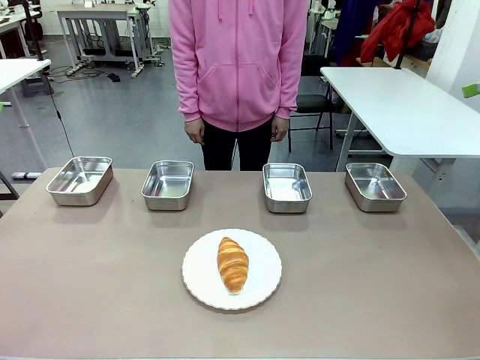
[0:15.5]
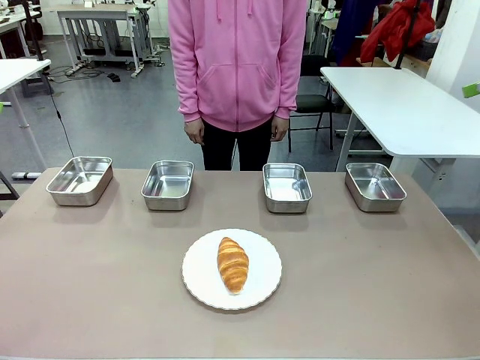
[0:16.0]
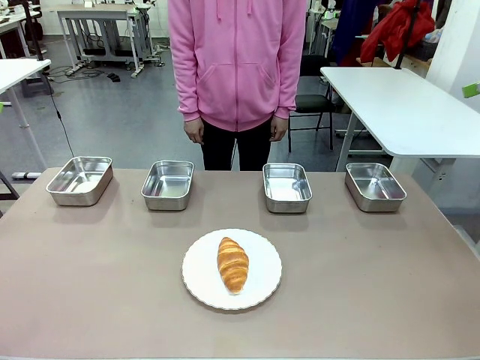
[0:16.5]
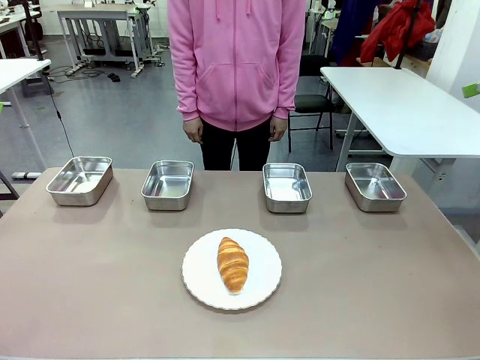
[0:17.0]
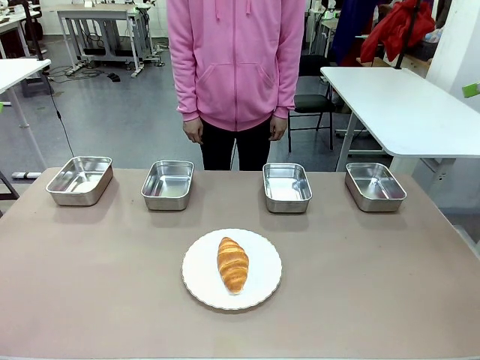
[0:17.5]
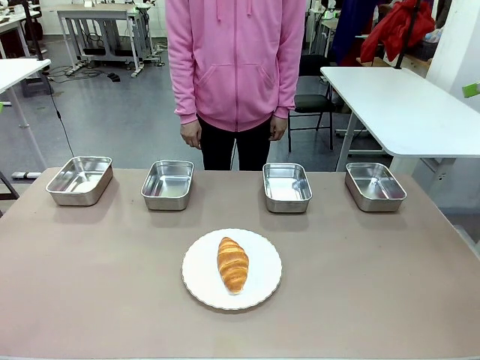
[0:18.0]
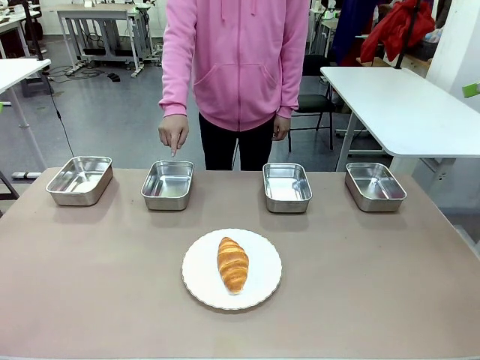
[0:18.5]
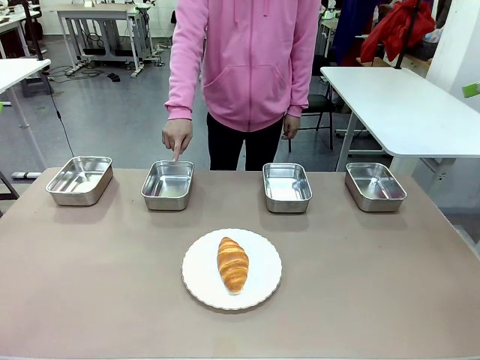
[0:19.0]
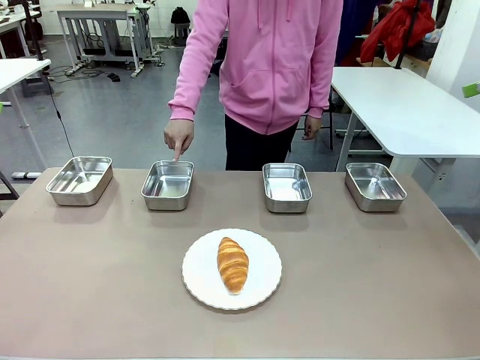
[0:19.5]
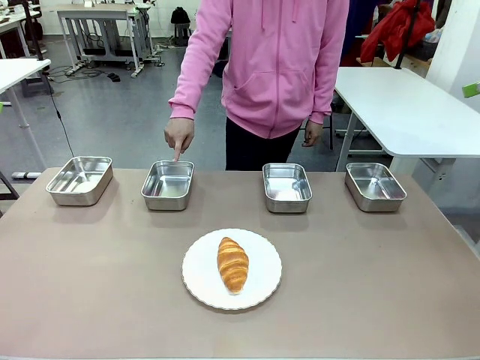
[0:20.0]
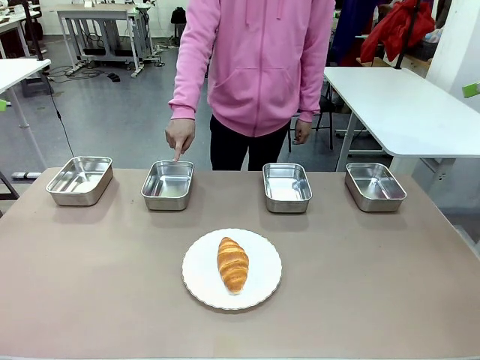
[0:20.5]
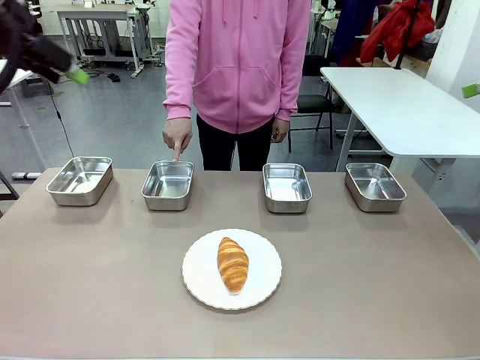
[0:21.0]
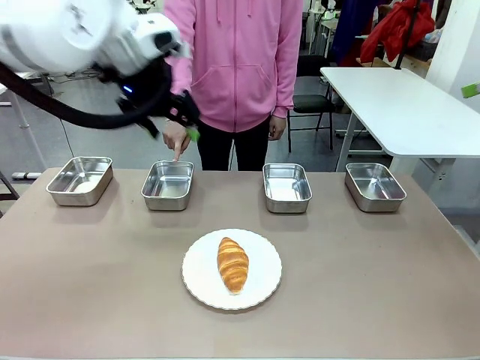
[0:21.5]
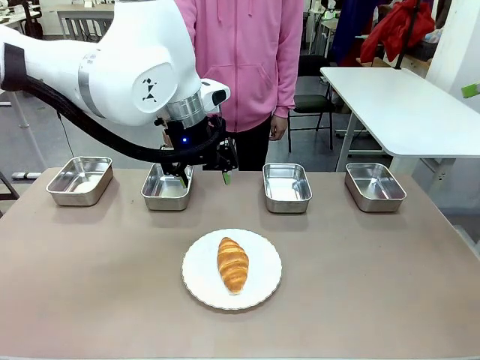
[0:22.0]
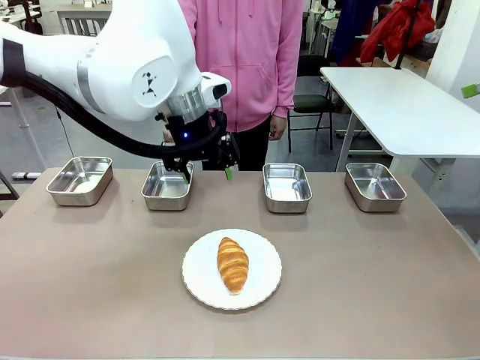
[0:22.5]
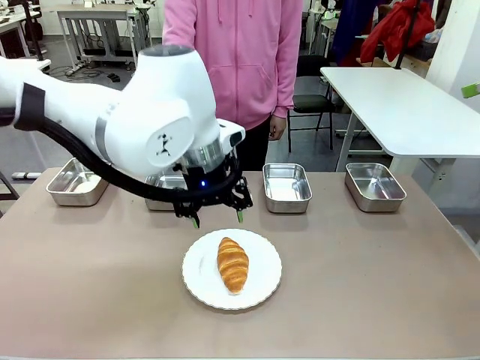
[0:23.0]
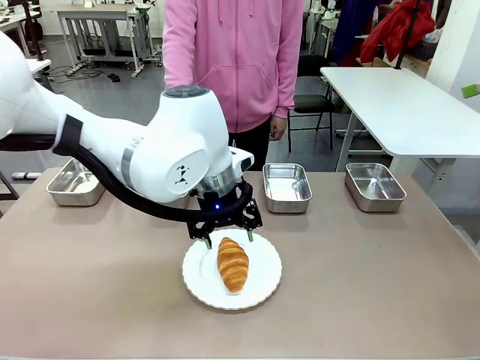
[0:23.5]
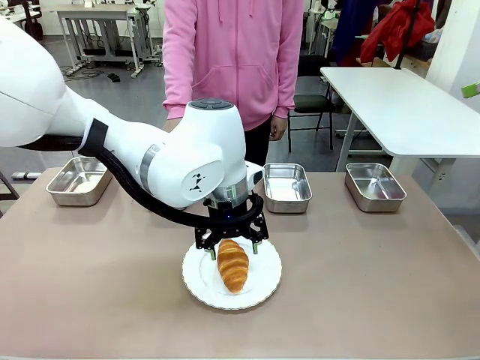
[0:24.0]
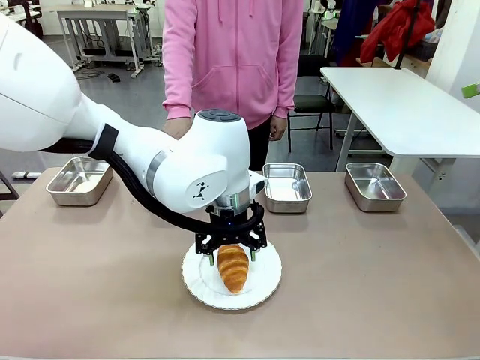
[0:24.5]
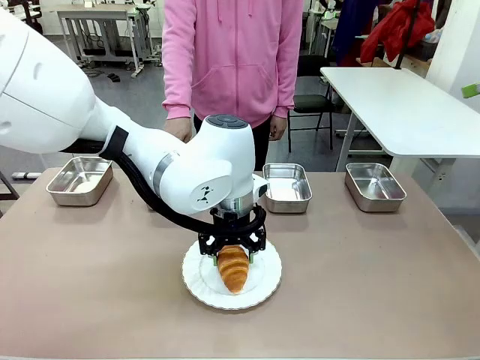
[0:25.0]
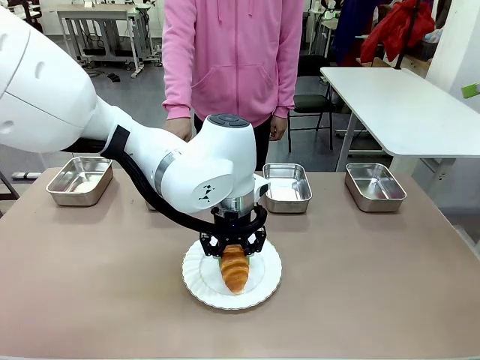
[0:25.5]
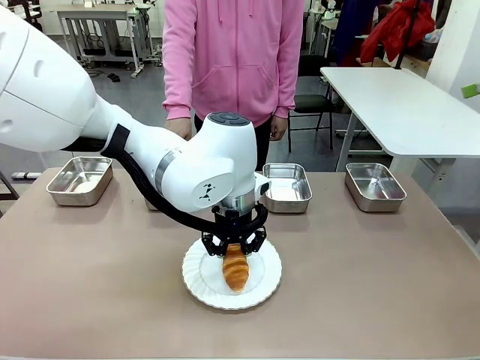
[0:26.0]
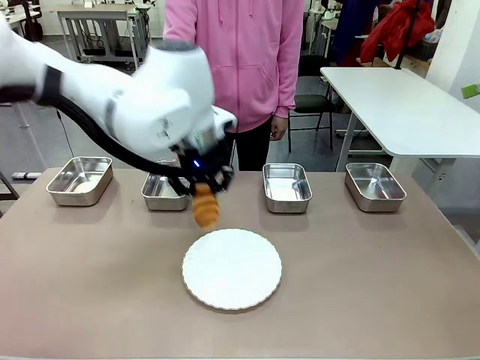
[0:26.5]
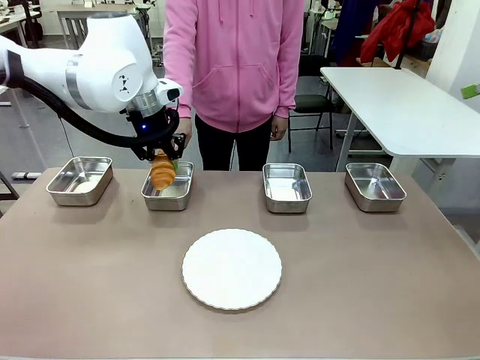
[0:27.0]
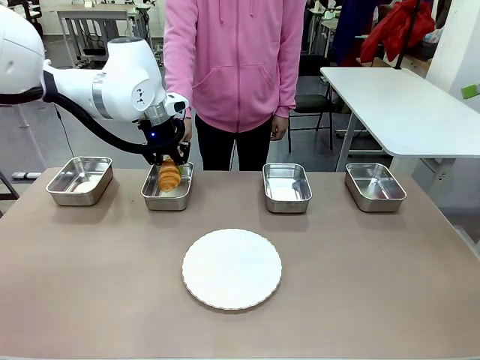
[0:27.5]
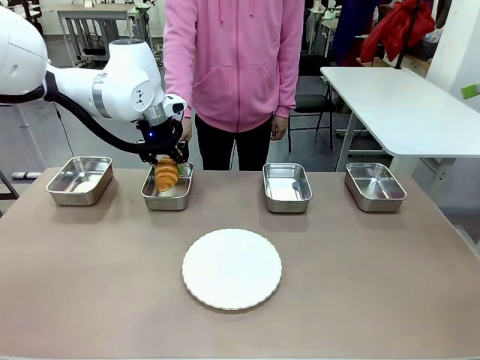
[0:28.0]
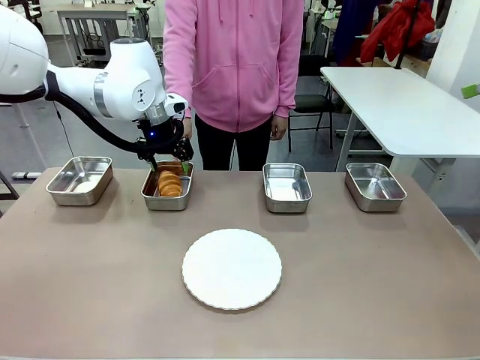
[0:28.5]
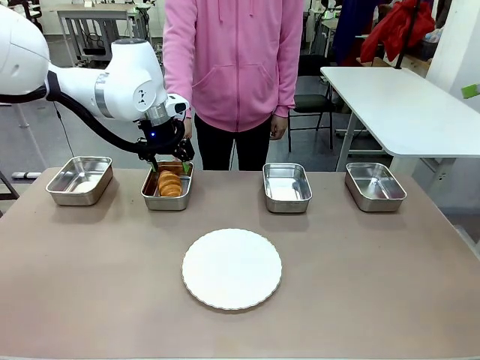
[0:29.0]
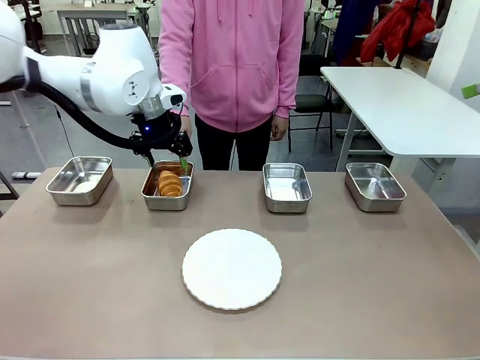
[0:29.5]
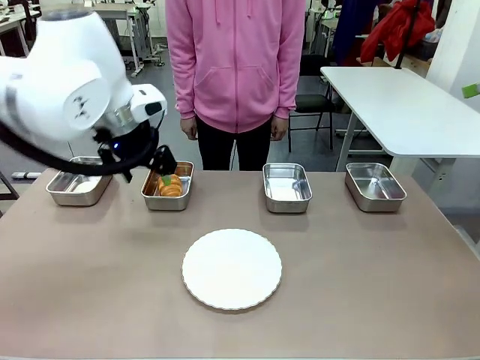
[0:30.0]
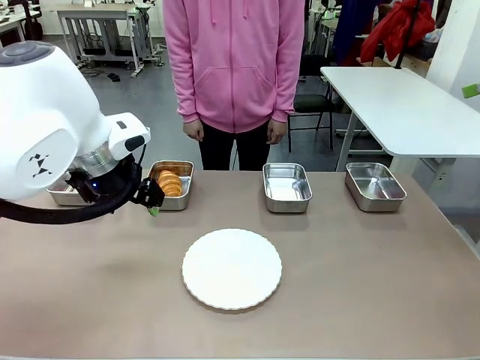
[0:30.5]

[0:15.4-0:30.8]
Task: Place the bread in the container.
Robot: Place the Butter Roll into the Airtight Container indicated by the human.
